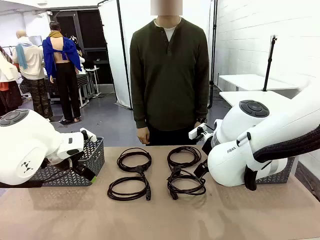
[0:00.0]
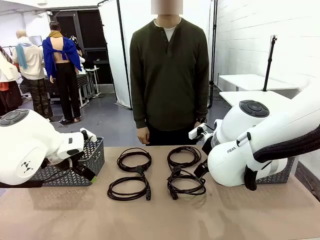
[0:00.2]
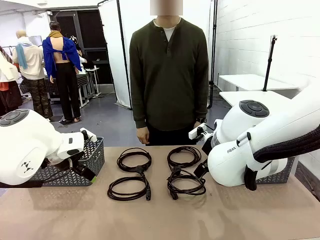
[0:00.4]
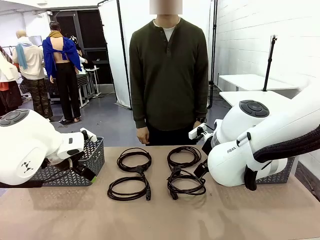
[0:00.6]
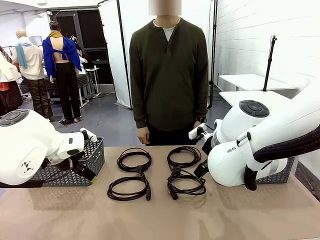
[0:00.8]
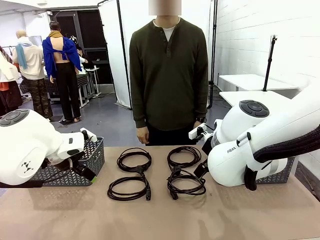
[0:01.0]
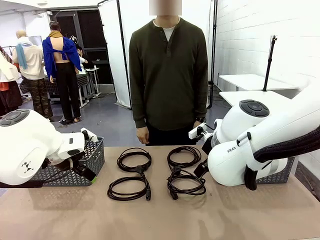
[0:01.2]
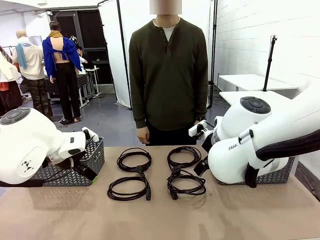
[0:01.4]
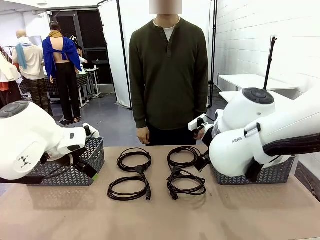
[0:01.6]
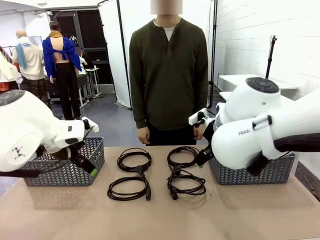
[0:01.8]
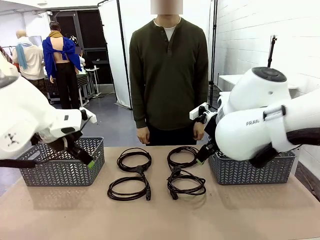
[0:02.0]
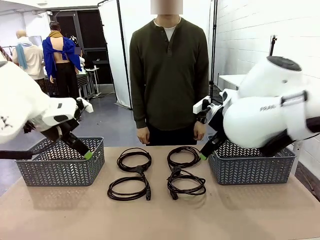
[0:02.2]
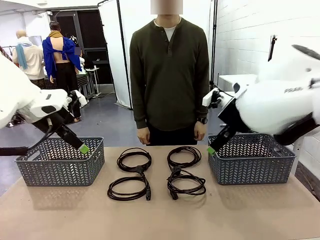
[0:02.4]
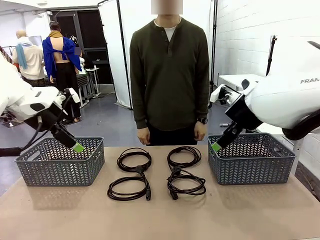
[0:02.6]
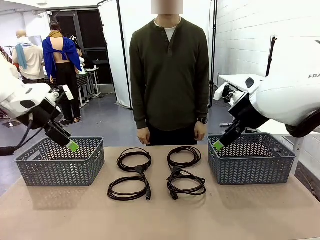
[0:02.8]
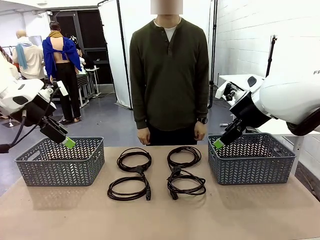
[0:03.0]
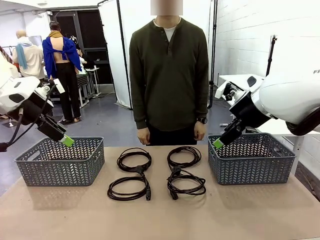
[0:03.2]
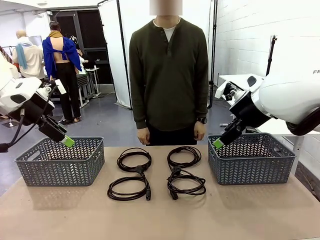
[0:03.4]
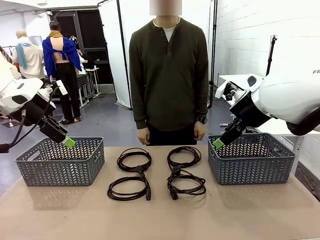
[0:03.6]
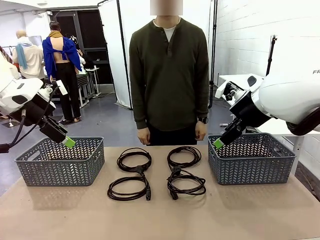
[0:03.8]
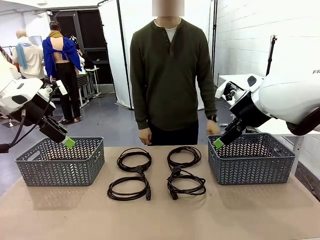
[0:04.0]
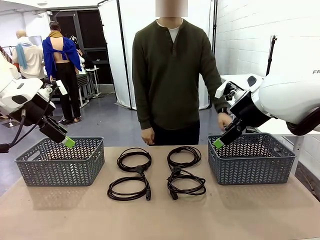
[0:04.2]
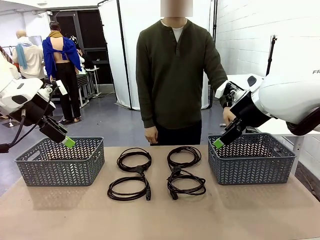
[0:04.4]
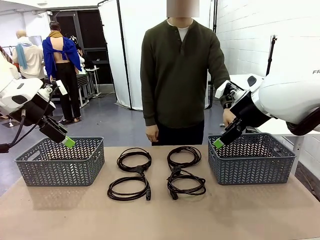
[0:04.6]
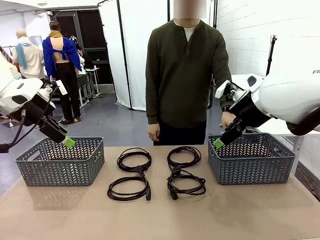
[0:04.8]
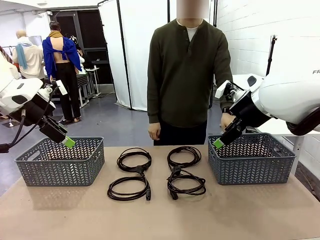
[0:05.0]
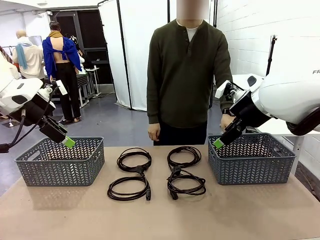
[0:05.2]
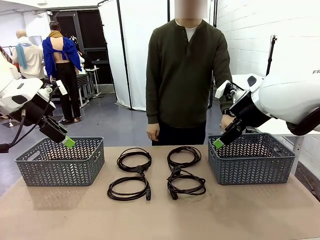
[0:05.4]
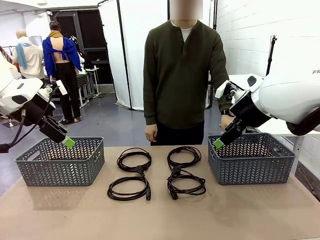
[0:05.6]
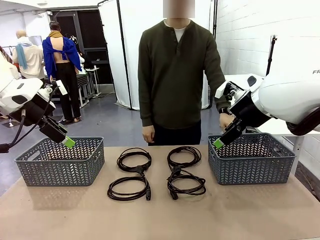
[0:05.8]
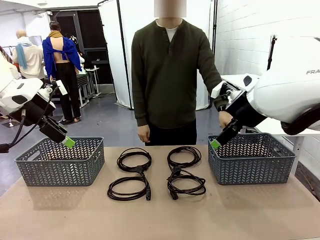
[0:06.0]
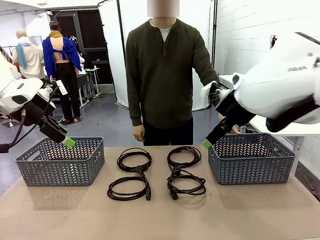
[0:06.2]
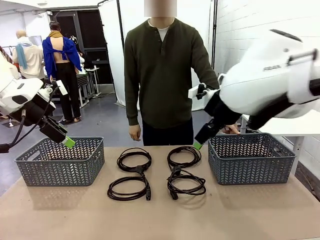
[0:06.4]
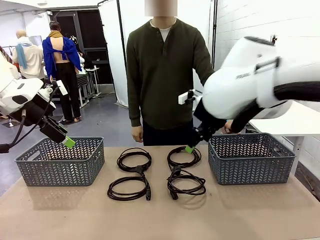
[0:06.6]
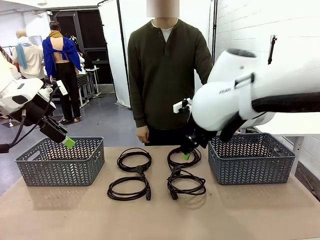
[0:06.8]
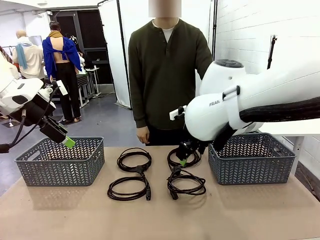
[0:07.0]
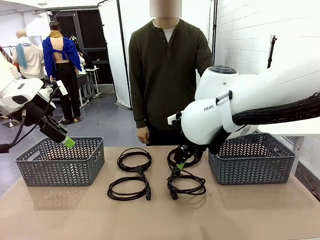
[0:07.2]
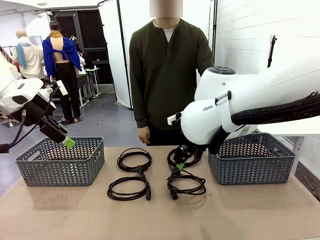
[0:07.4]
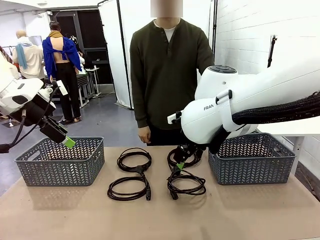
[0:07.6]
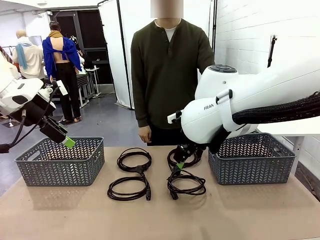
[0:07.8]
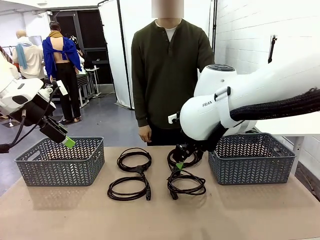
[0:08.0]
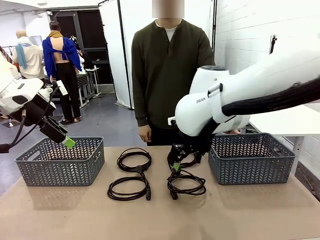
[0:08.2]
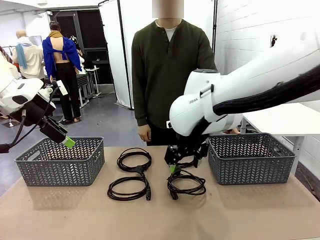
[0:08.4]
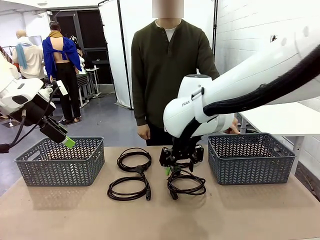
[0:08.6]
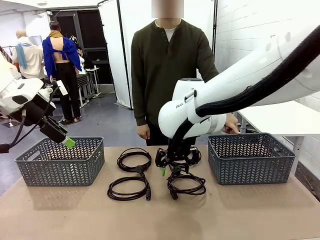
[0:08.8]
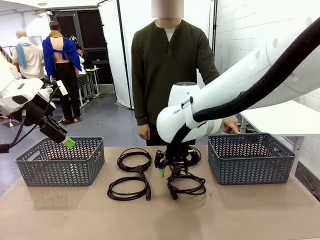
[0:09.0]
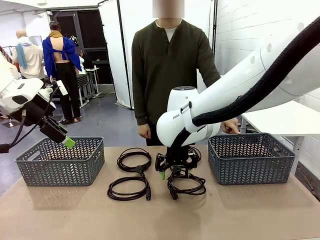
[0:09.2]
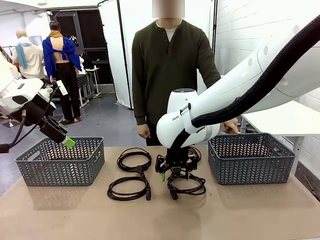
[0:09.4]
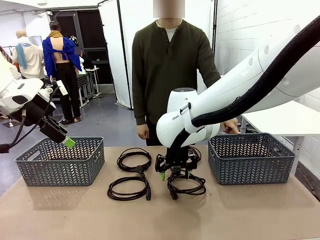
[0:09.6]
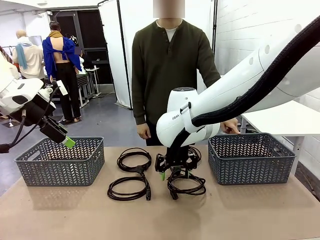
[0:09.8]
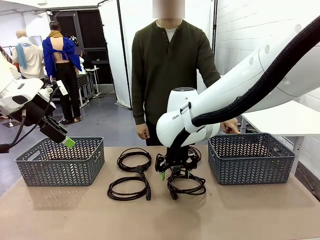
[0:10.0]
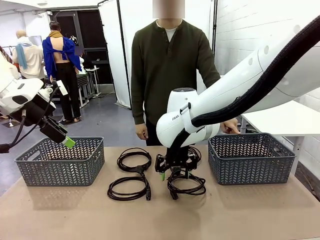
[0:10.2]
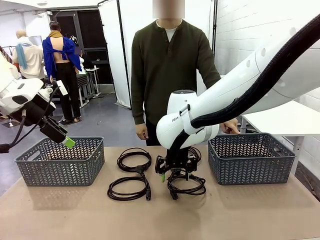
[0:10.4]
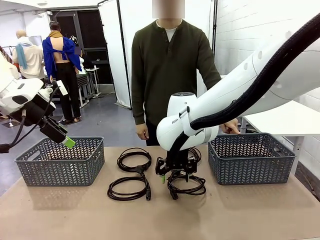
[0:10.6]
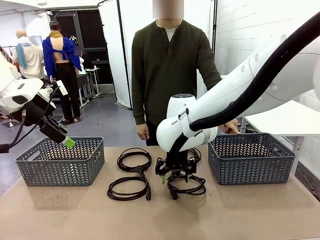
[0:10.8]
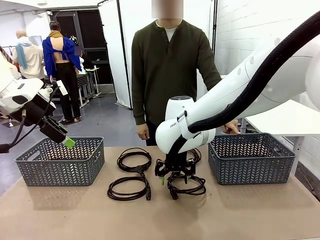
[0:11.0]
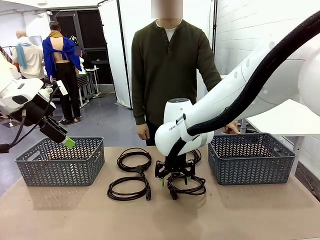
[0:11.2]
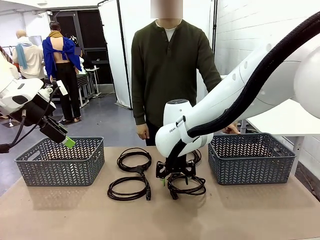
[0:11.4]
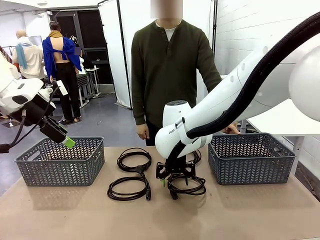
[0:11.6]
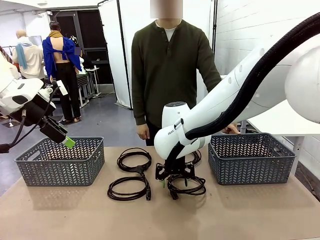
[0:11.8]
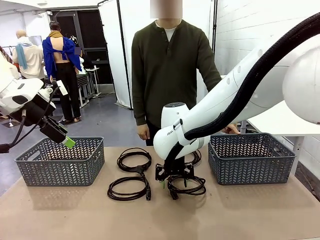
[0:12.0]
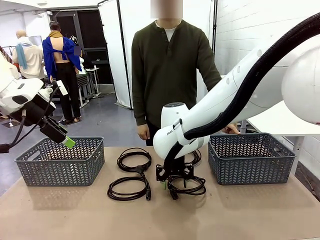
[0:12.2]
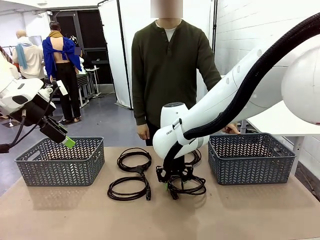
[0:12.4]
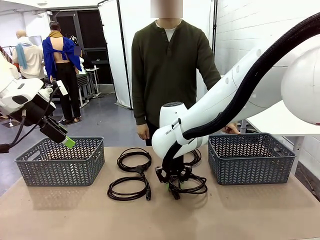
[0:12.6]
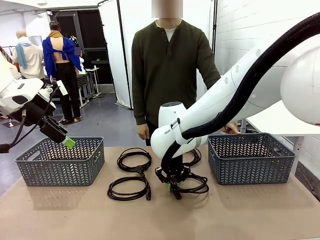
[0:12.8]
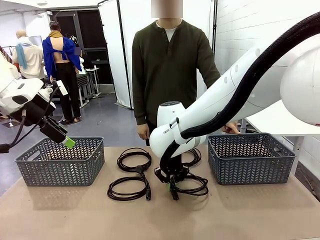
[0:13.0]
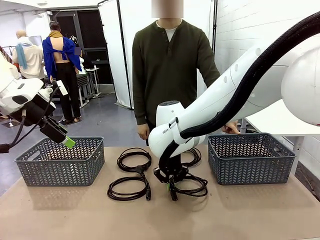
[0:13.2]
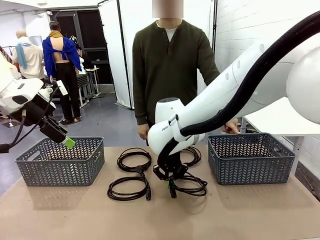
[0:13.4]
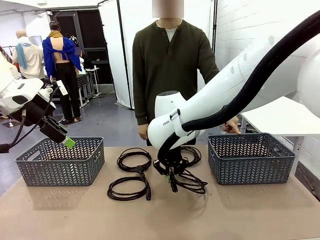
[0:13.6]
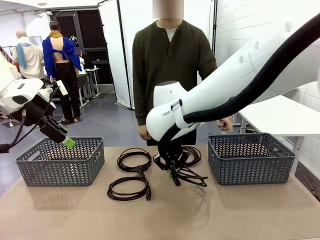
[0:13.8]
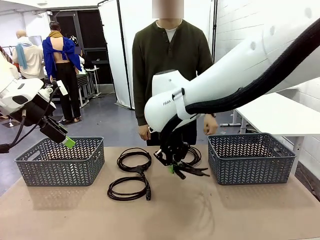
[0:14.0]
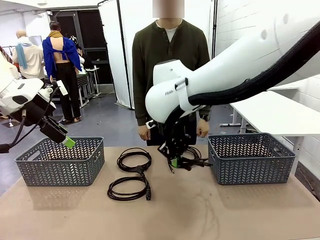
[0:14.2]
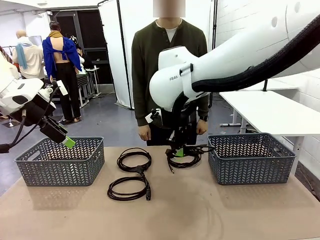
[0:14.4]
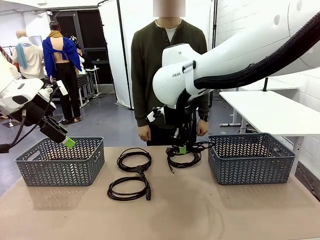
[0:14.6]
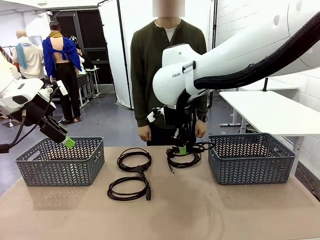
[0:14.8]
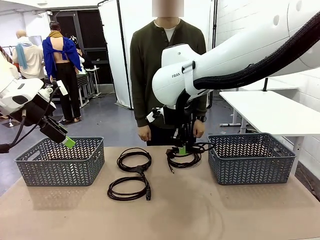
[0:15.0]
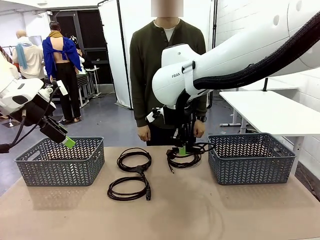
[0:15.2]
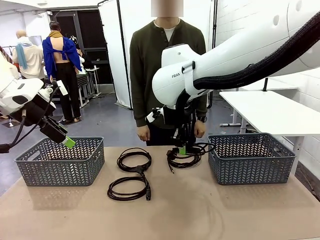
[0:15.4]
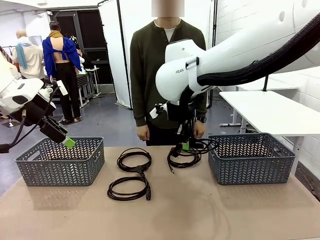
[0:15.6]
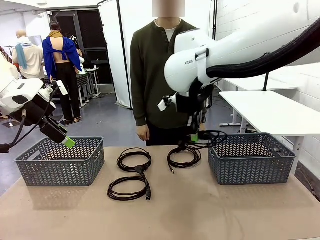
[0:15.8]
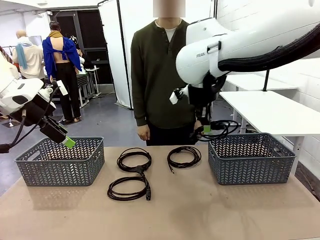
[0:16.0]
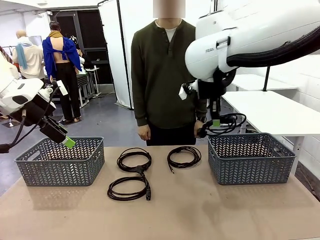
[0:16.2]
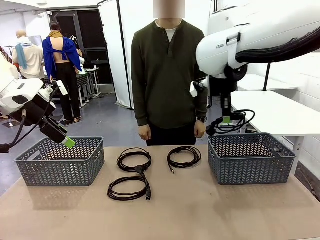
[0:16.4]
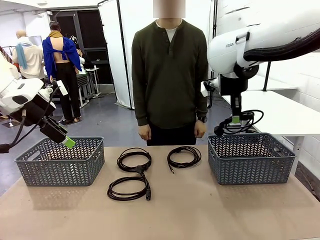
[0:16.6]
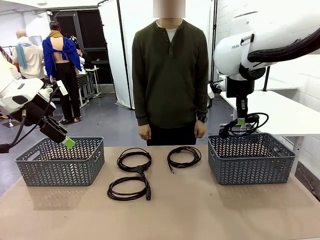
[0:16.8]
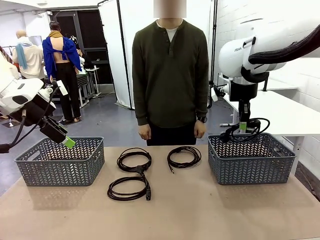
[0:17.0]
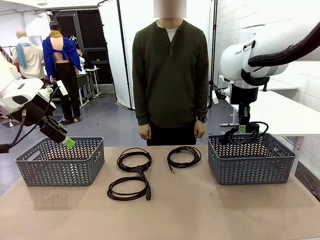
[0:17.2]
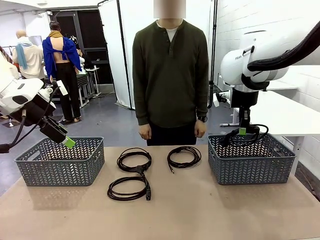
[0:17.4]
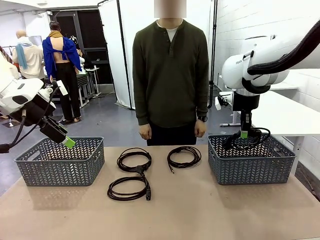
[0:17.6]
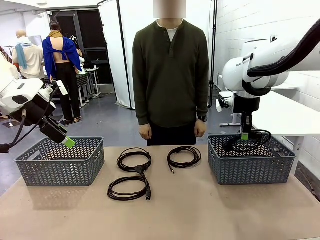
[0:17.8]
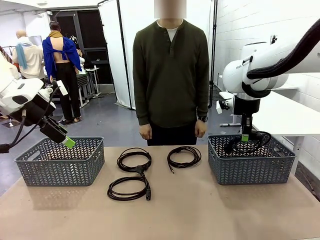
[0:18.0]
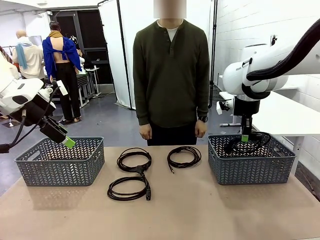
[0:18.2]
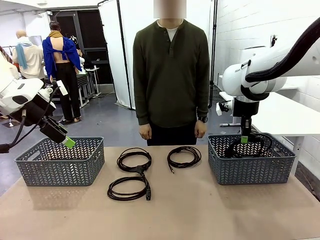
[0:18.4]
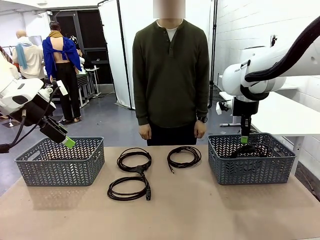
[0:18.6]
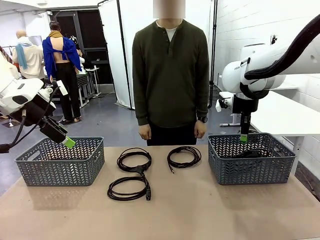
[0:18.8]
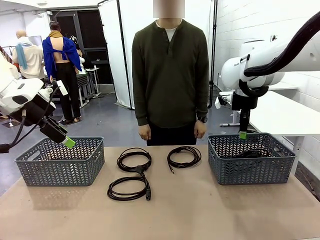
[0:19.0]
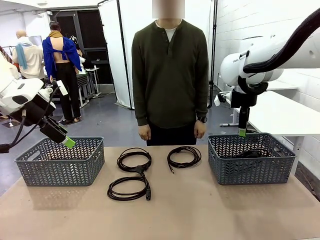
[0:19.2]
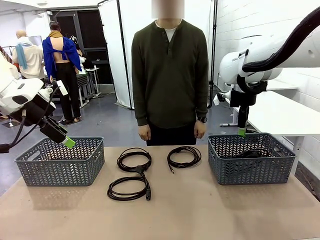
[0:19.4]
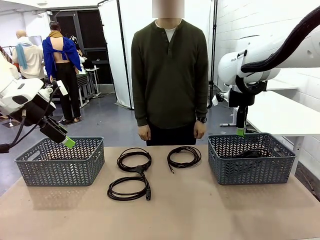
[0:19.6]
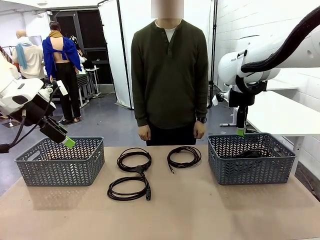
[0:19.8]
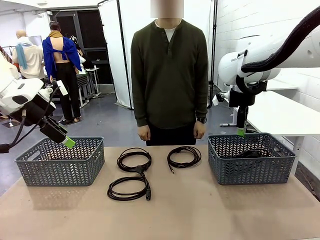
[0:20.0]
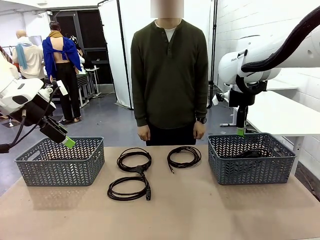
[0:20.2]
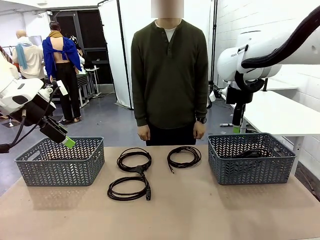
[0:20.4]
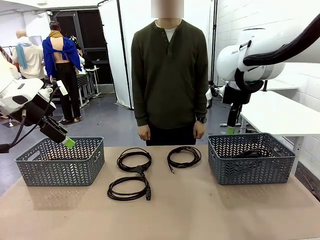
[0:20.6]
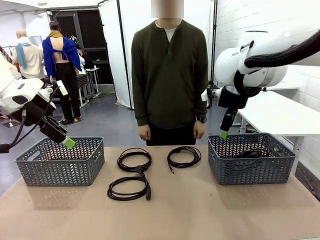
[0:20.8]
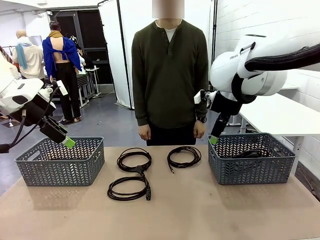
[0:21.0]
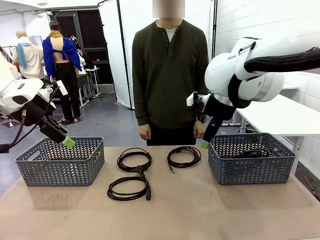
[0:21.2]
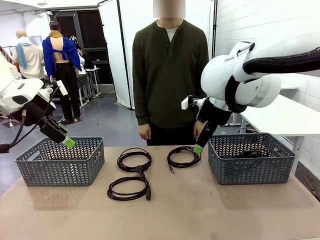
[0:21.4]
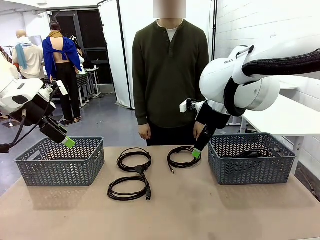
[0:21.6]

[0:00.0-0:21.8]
Task: Organize the cables according to human instructions.
Robot: Pick up a bundle of cables and place it in the basket indicated by the human.
